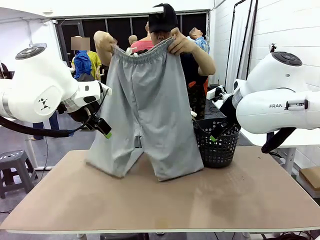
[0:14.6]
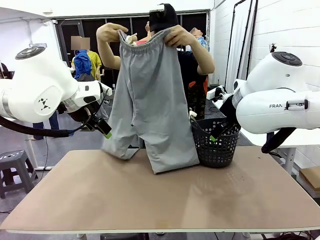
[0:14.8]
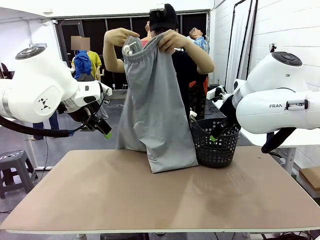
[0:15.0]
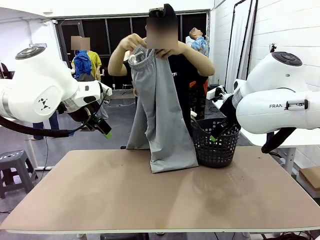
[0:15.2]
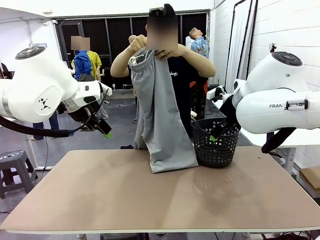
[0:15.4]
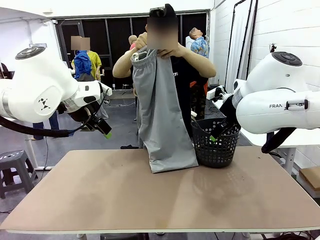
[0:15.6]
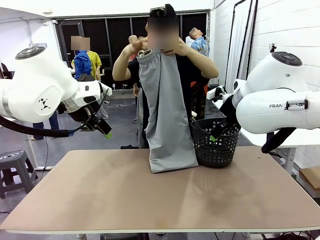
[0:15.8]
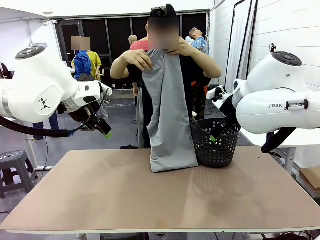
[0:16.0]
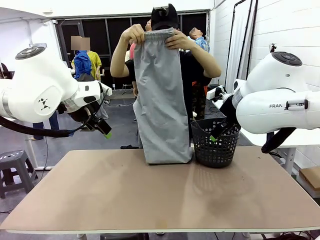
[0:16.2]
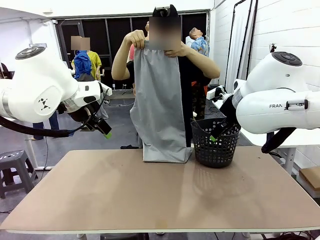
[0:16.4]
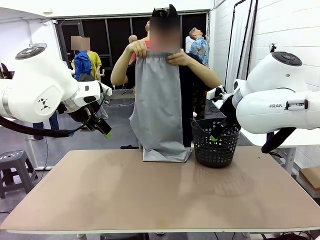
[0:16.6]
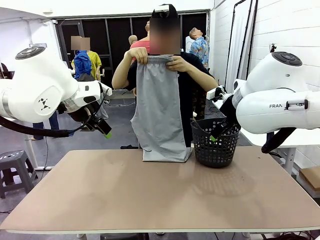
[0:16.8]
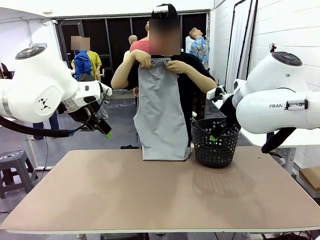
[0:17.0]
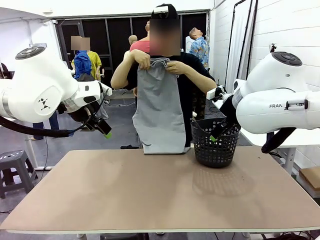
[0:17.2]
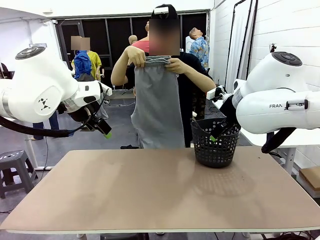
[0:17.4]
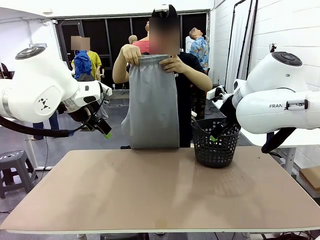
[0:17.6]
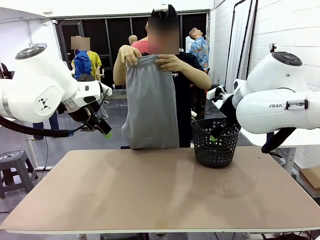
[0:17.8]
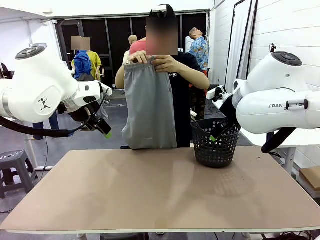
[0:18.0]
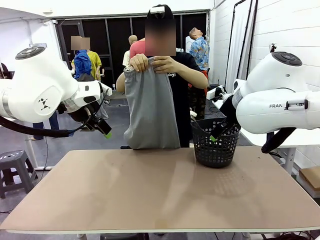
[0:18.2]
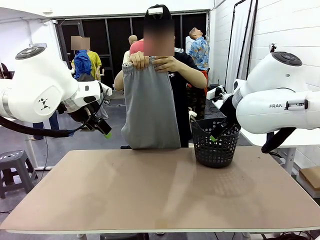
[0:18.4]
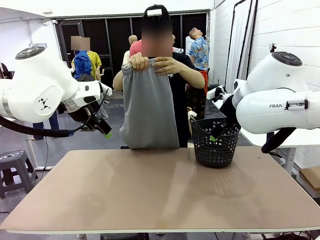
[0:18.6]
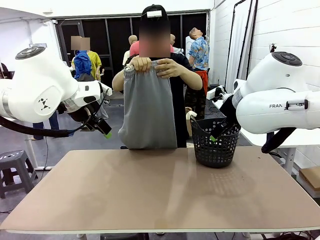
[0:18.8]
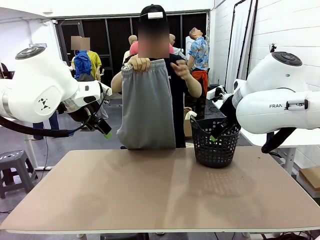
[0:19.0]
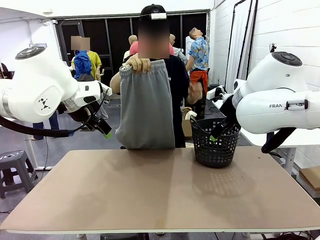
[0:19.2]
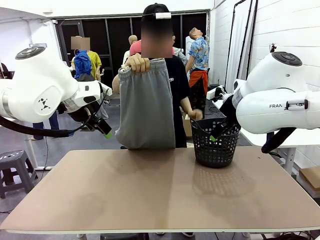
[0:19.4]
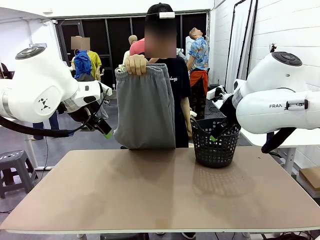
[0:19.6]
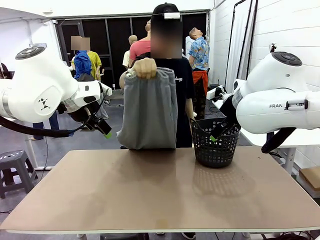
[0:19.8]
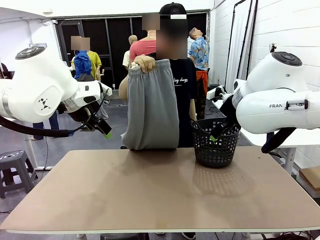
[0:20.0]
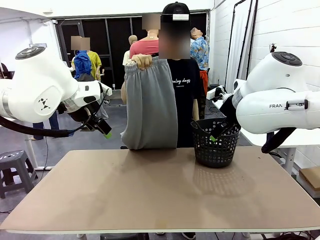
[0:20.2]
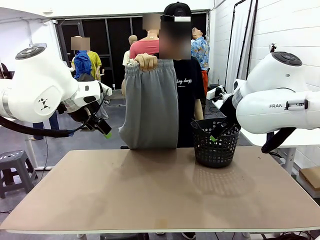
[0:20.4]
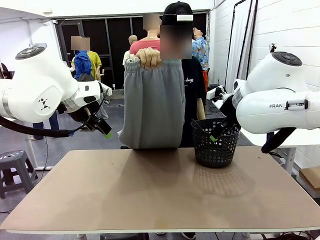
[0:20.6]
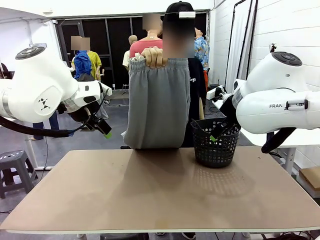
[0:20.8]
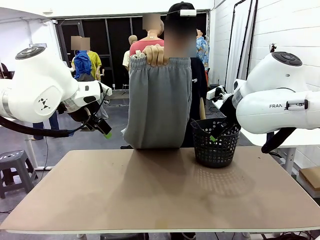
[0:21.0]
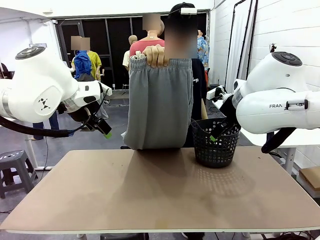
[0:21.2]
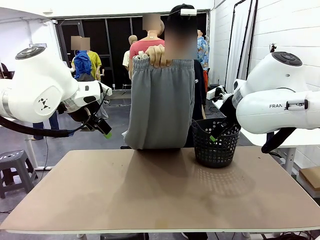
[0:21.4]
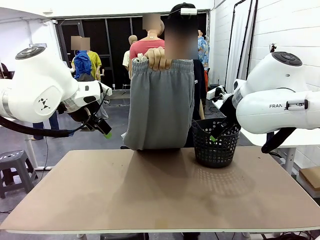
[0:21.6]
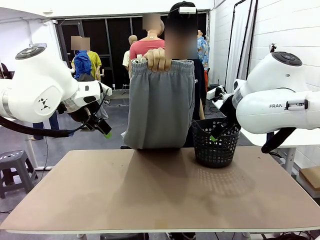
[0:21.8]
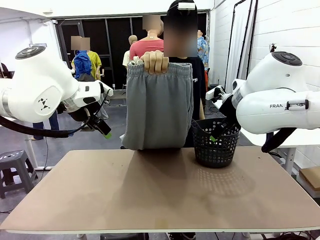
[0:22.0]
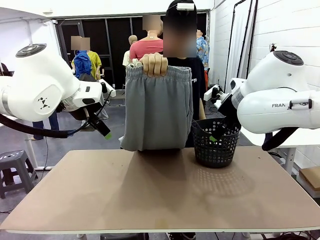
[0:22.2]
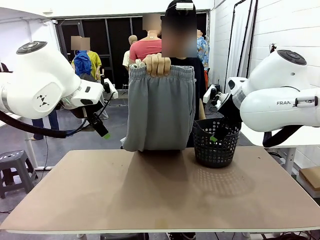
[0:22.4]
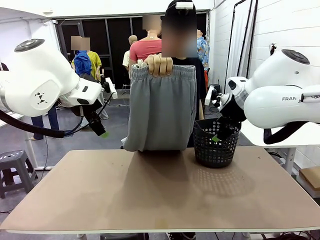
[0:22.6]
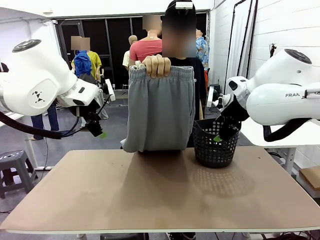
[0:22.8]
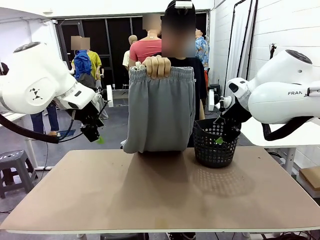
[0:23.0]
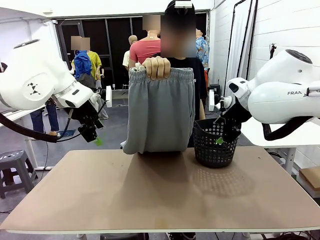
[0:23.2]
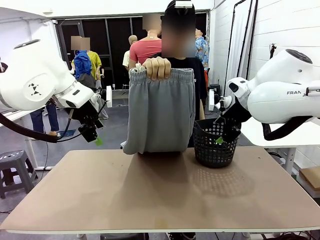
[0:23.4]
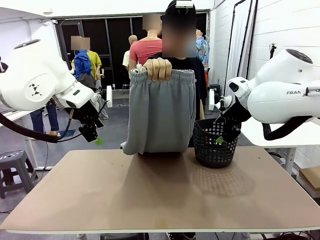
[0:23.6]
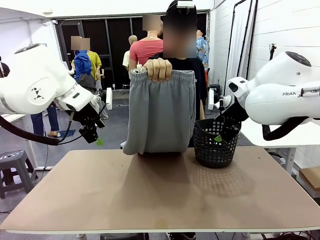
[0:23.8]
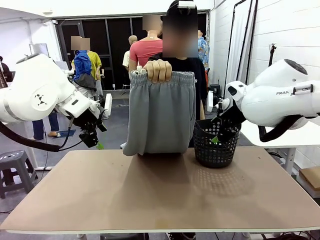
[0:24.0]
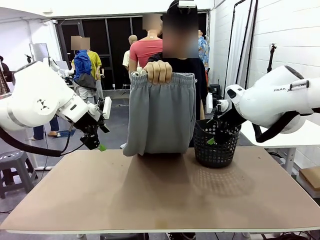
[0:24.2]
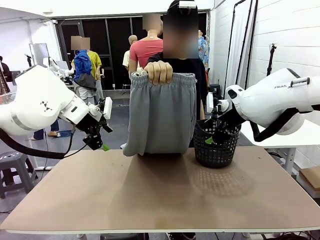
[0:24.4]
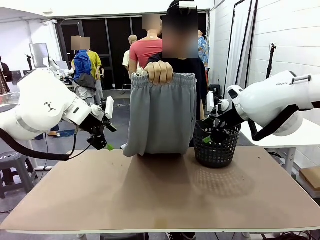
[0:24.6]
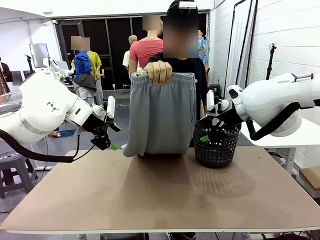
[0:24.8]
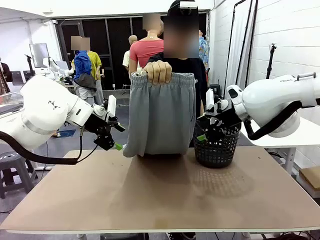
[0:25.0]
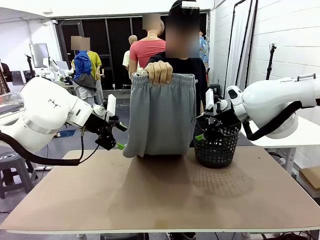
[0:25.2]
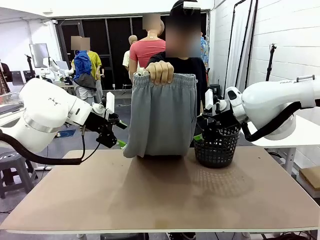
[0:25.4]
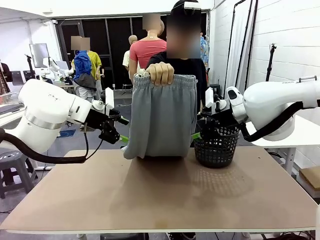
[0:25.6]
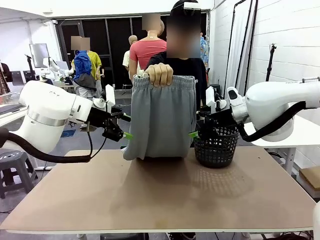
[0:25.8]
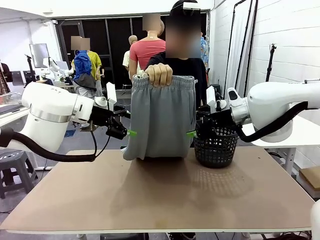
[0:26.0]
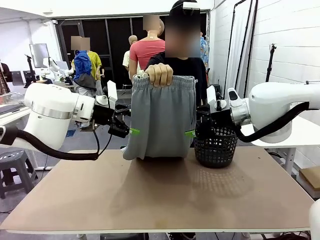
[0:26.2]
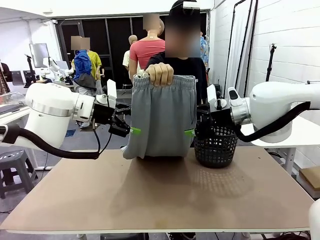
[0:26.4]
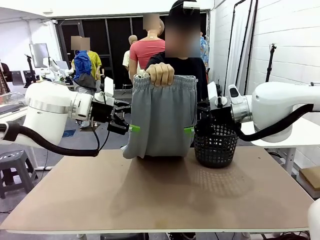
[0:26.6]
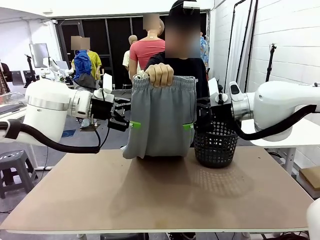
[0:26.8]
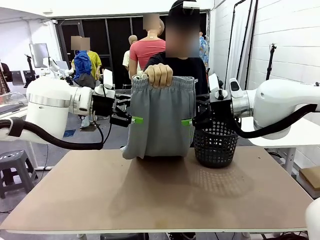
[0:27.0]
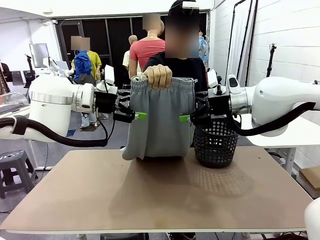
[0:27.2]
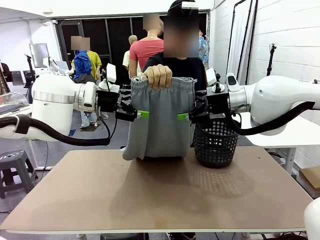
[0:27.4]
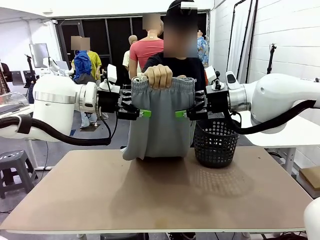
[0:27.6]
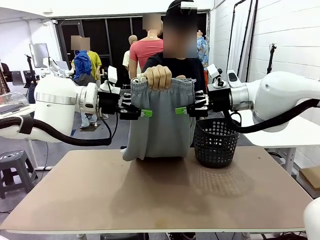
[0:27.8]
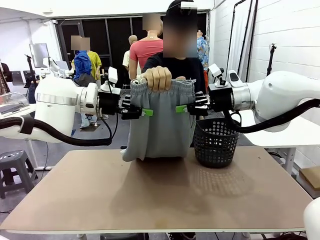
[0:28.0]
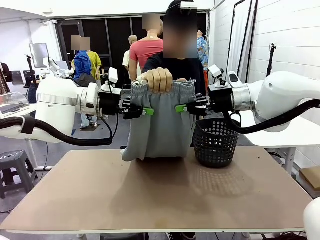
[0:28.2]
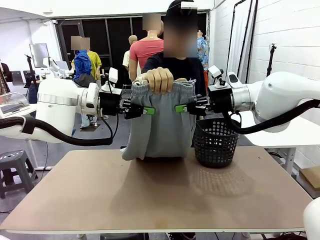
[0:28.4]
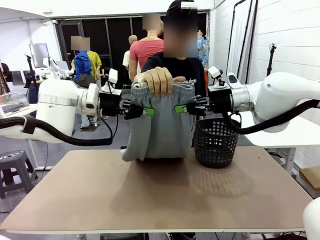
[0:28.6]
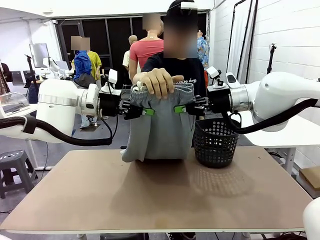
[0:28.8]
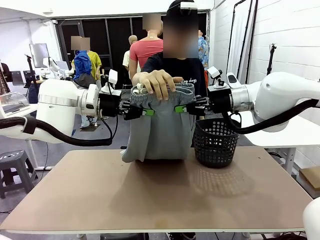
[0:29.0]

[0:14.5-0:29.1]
Task: Fold the training pants.
Robot: Grab both ends of the Training pants handed by a person.

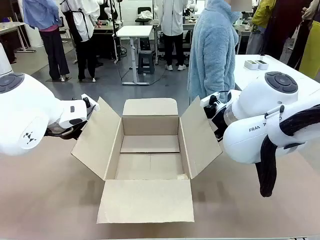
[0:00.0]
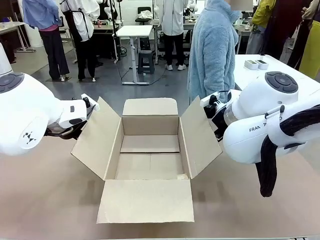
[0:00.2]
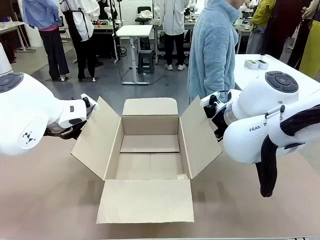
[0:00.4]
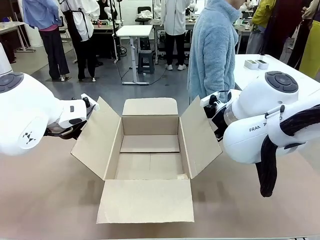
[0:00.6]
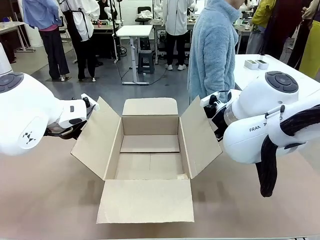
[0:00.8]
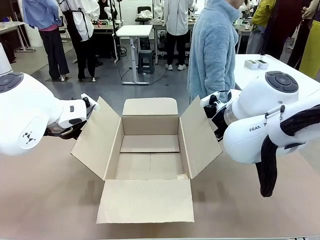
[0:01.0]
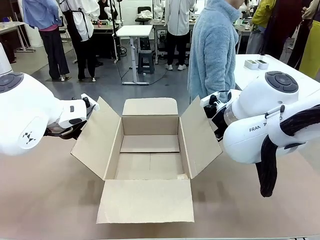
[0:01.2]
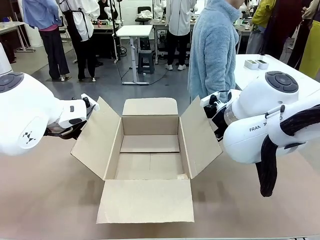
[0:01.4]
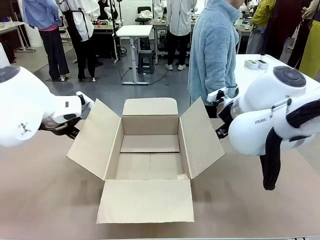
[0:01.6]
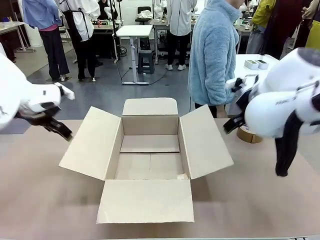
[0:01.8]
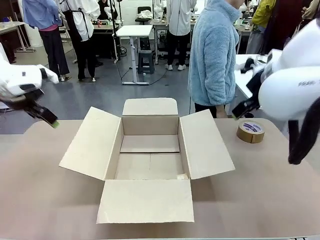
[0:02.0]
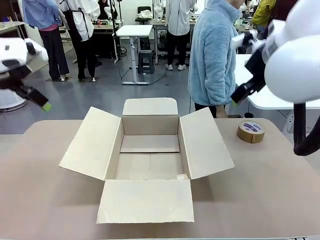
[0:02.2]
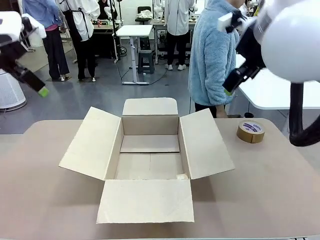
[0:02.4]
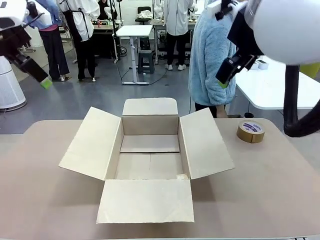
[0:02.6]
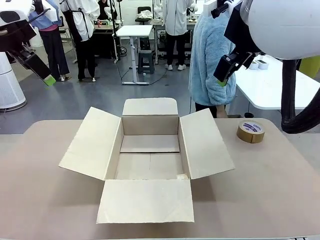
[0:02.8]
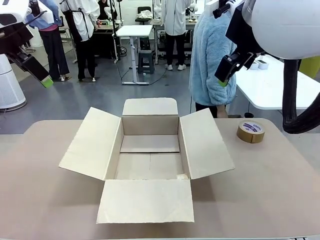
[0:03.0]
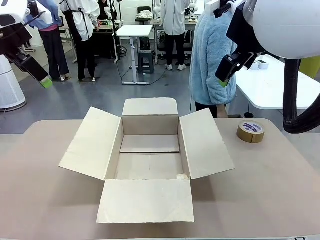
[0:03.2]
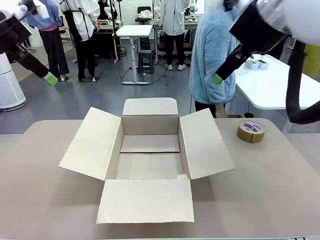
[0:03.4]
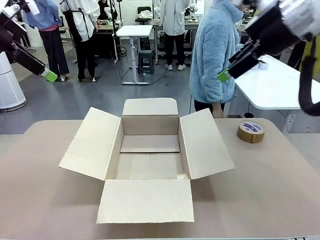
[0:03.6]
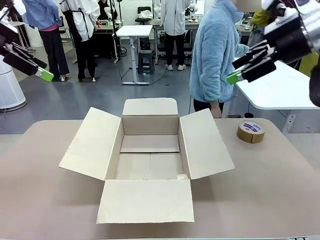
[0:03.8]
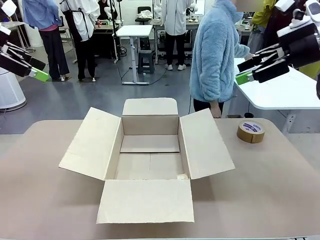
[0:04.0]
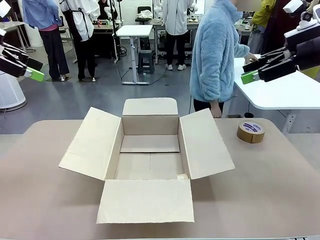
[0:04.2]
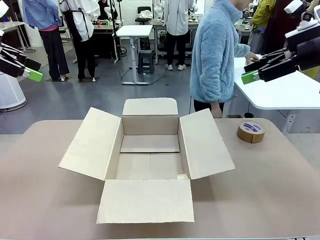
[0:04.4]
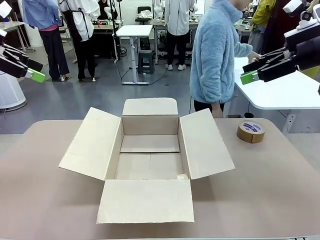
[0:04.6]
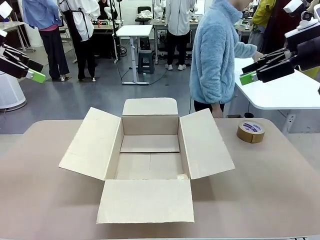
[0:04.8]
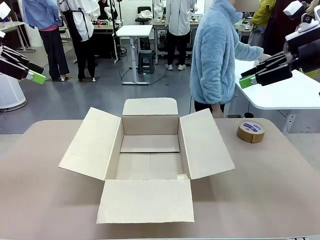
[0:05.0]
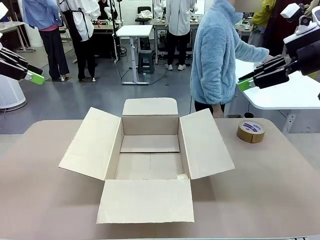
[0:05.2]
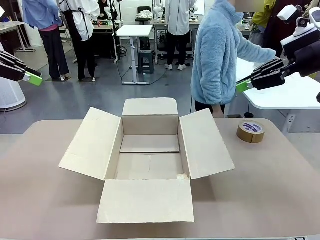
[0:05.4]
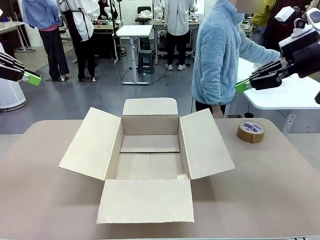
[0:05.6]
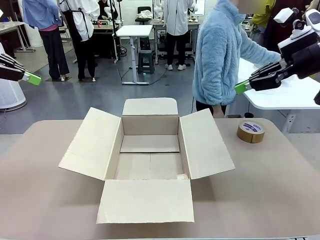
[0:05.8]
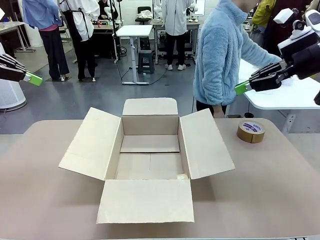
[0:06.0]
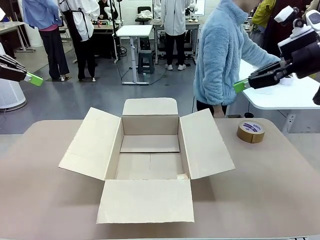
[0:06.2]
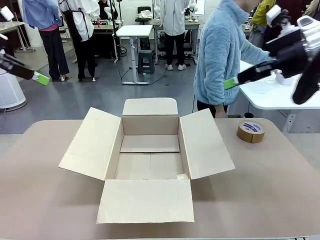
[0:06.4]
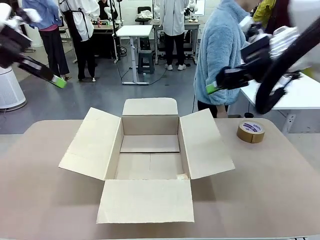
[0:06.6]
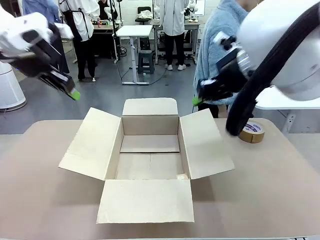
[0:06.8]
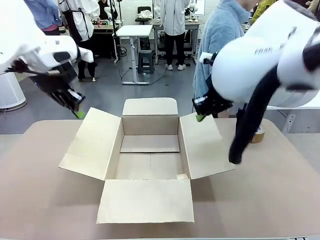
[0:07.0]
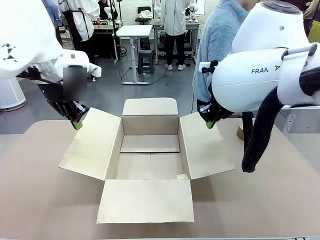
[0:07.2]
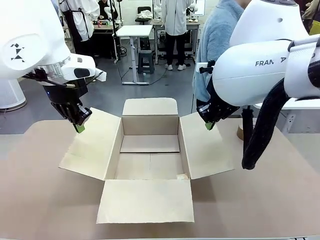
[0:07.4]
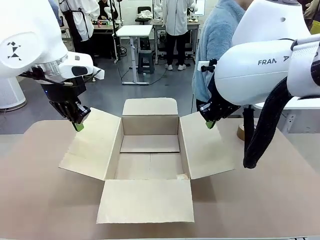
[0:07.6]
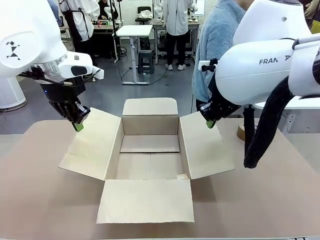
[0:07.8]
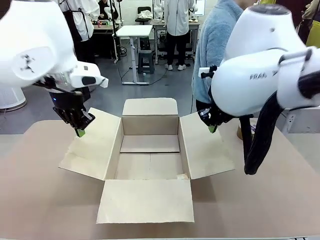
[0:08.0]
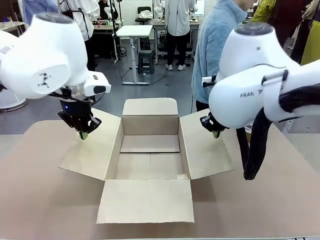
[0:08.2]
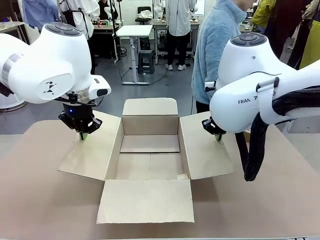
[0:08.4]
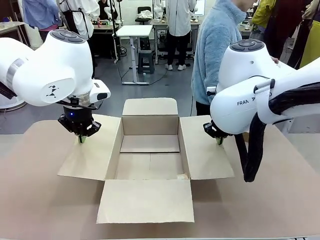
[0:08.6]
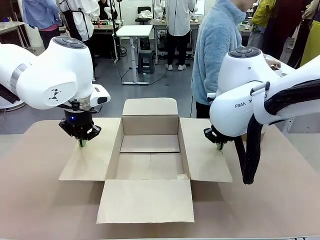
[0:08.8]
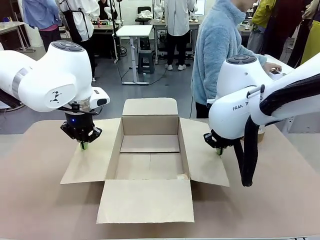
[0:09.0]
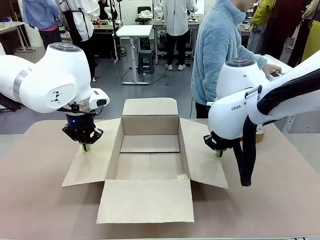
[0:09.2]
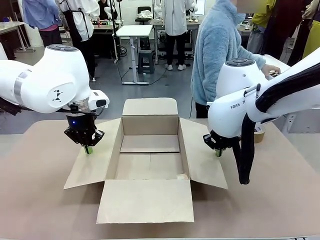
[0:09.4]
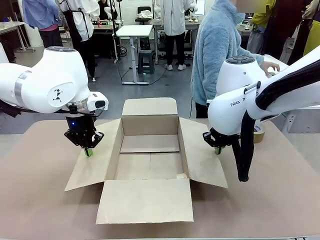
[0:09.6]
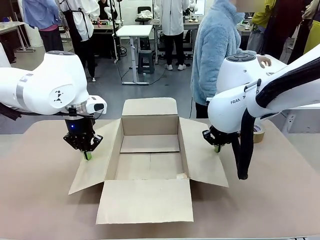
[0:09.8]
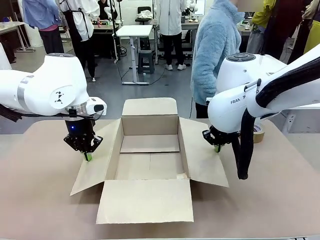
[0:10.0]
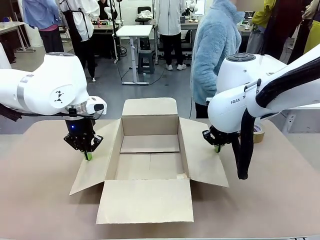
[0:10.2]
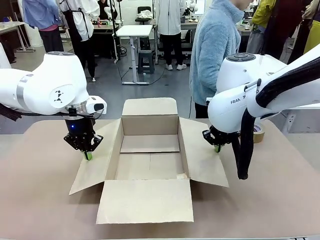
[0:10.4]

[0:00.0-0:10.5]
Task: Wrap the clocks to prevent damage.
Robot: Open the side flaps of the Package Box.
